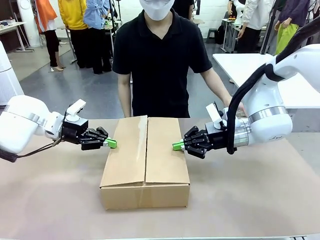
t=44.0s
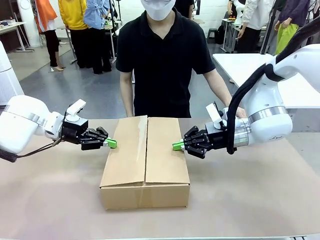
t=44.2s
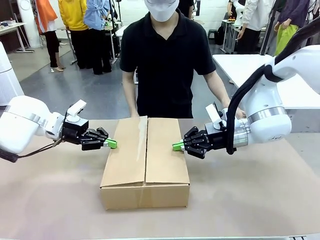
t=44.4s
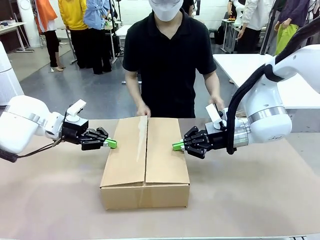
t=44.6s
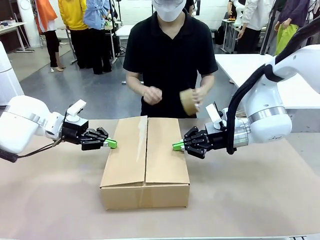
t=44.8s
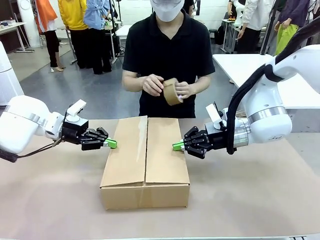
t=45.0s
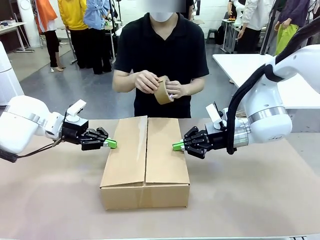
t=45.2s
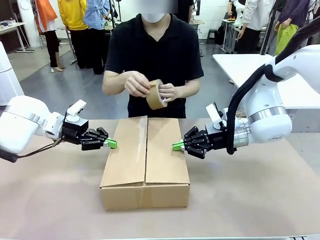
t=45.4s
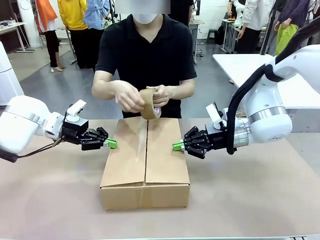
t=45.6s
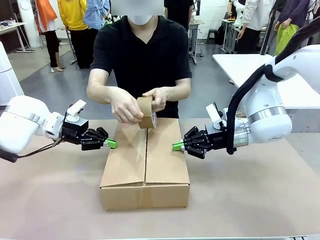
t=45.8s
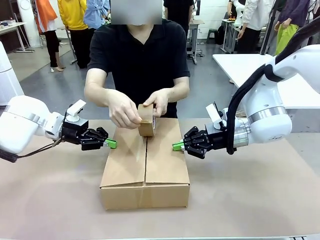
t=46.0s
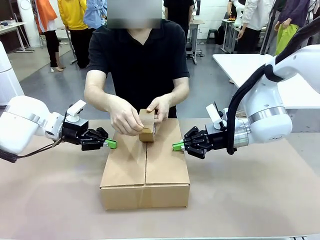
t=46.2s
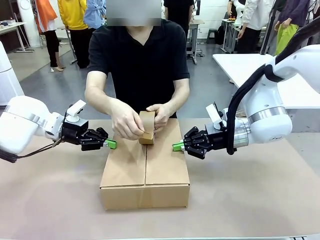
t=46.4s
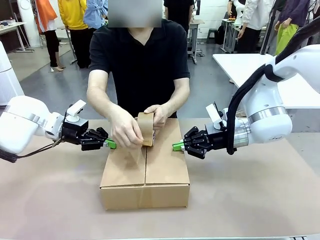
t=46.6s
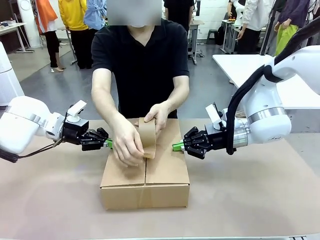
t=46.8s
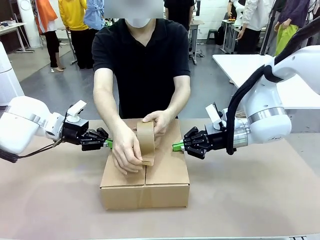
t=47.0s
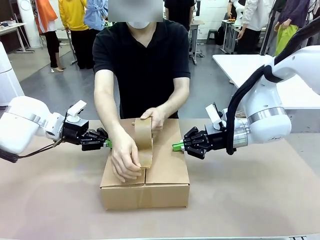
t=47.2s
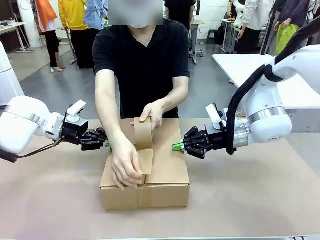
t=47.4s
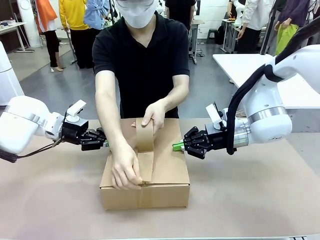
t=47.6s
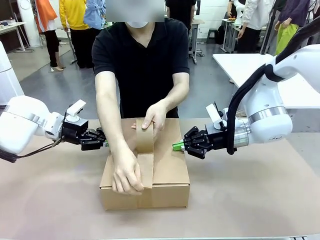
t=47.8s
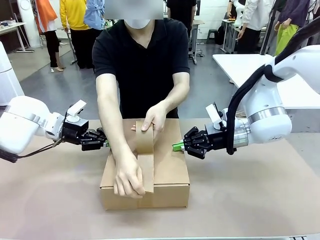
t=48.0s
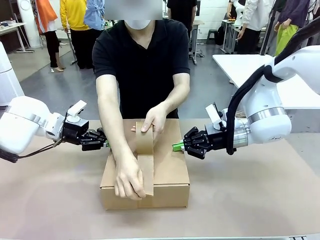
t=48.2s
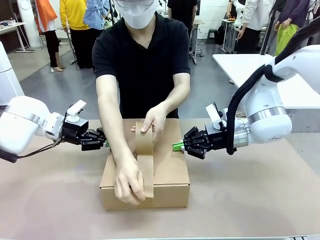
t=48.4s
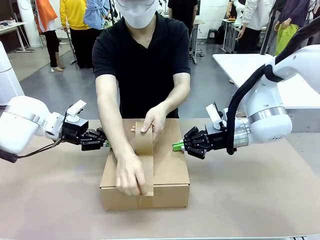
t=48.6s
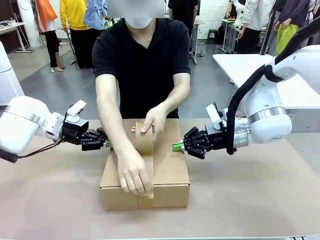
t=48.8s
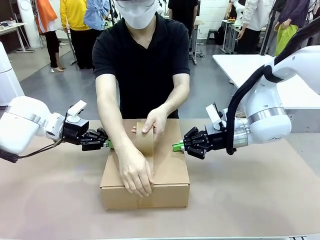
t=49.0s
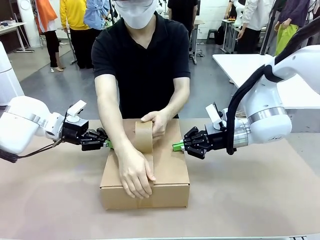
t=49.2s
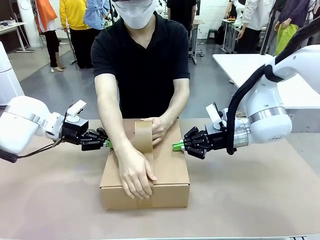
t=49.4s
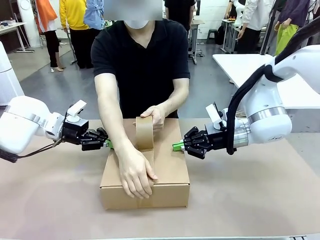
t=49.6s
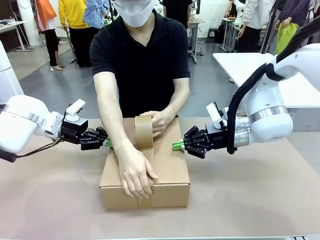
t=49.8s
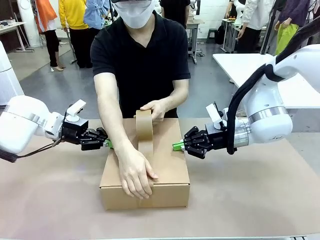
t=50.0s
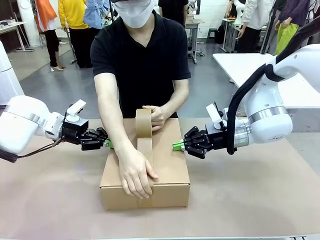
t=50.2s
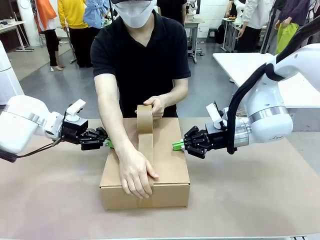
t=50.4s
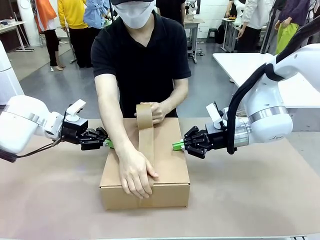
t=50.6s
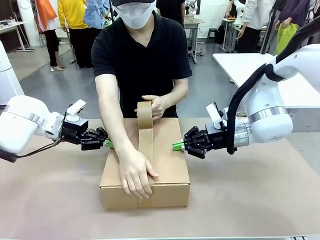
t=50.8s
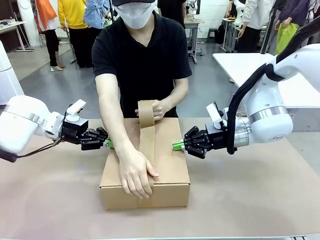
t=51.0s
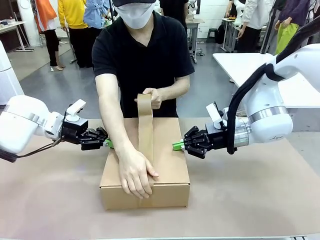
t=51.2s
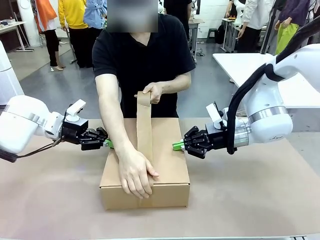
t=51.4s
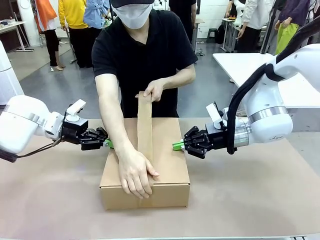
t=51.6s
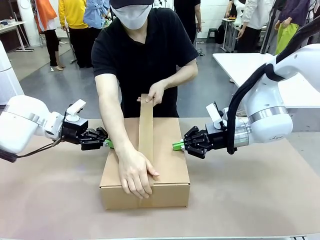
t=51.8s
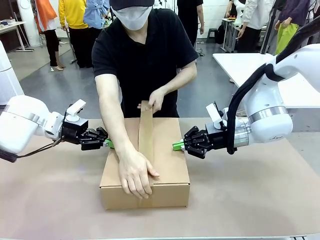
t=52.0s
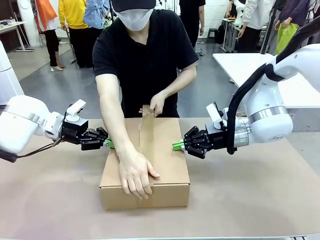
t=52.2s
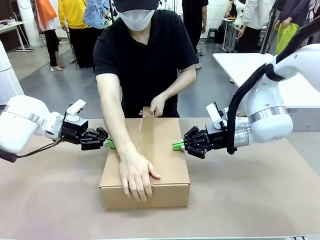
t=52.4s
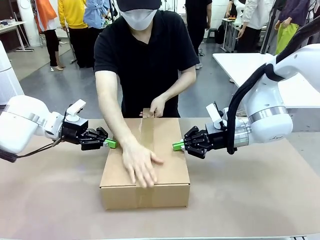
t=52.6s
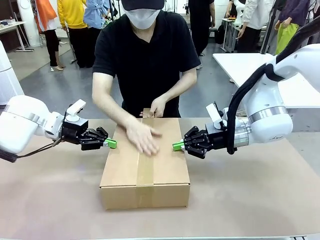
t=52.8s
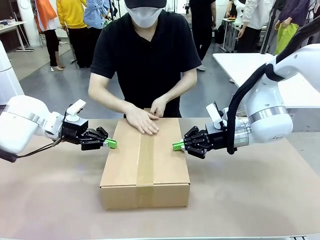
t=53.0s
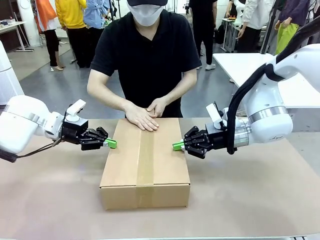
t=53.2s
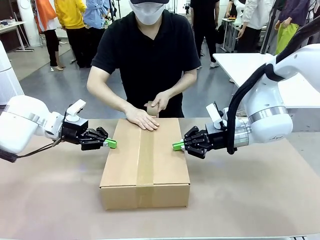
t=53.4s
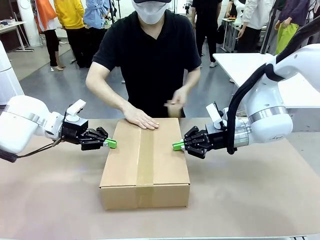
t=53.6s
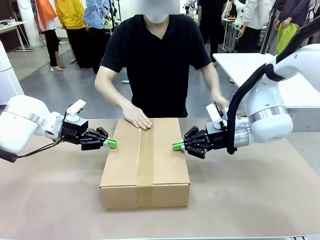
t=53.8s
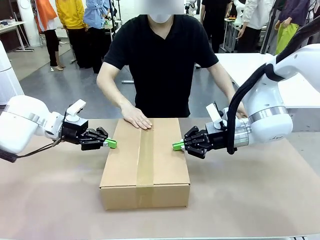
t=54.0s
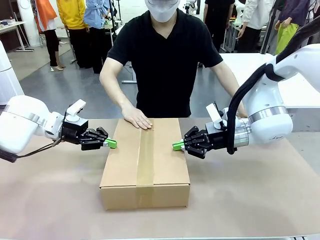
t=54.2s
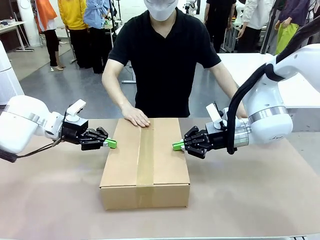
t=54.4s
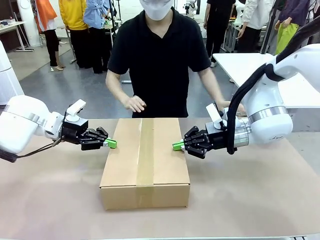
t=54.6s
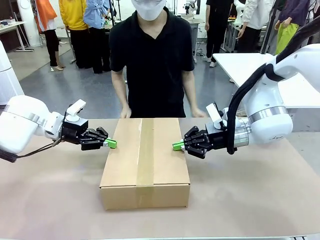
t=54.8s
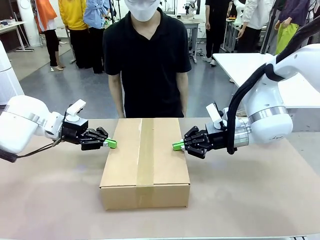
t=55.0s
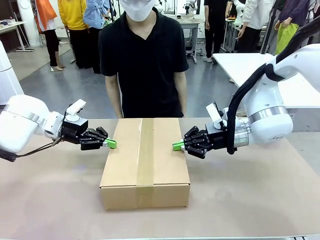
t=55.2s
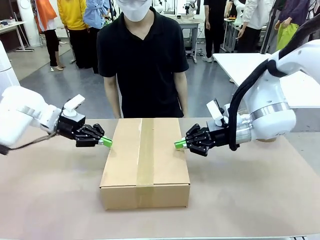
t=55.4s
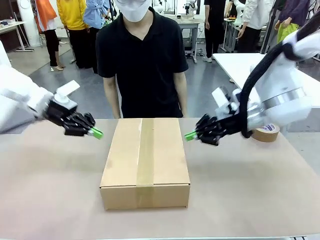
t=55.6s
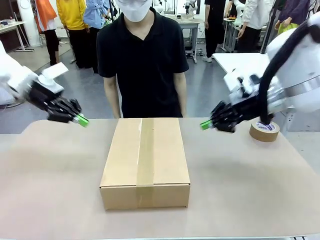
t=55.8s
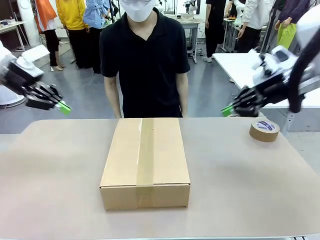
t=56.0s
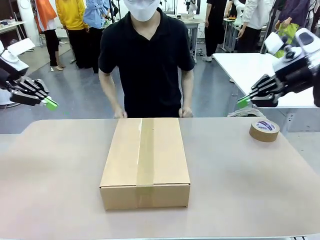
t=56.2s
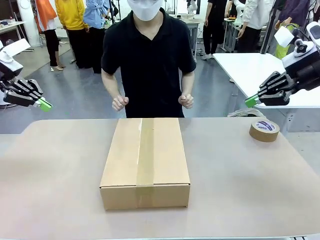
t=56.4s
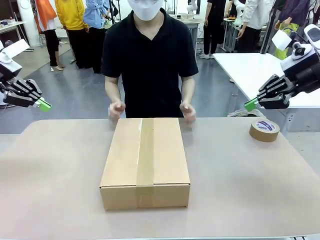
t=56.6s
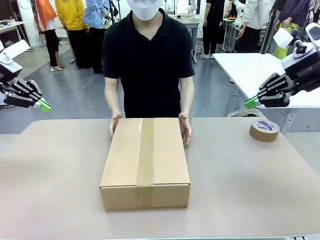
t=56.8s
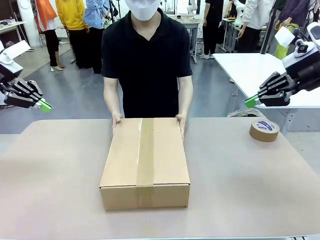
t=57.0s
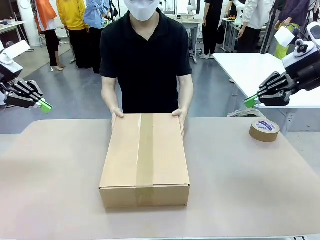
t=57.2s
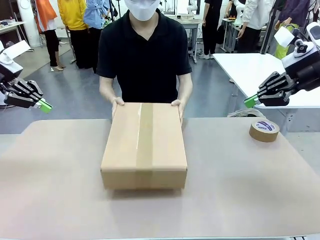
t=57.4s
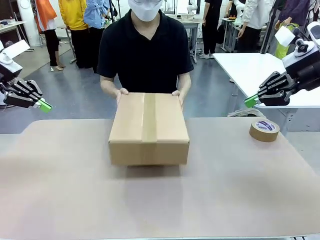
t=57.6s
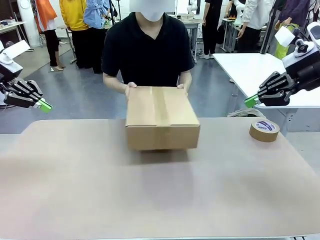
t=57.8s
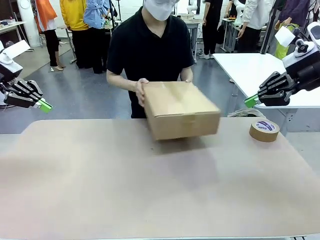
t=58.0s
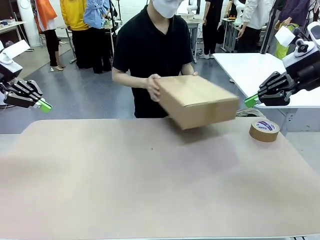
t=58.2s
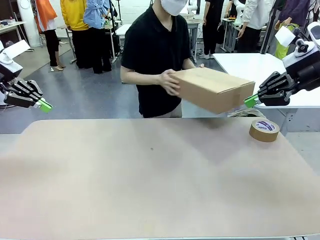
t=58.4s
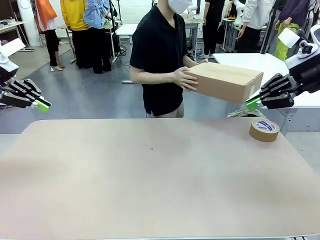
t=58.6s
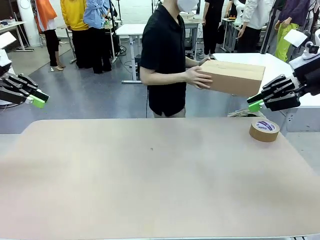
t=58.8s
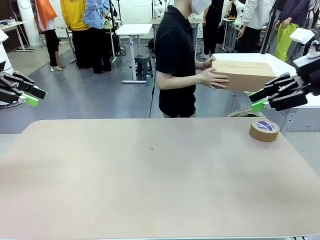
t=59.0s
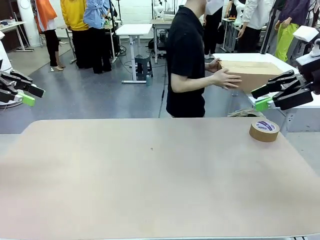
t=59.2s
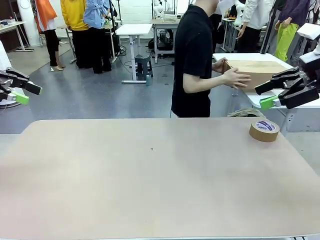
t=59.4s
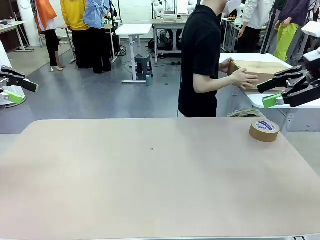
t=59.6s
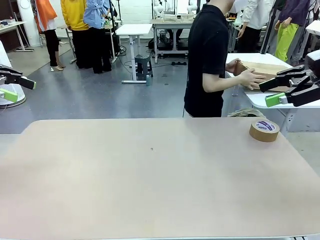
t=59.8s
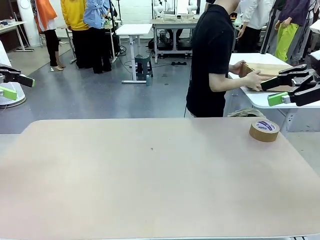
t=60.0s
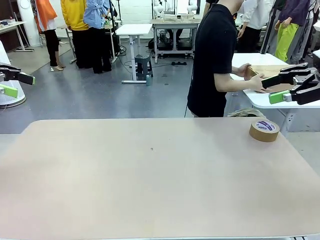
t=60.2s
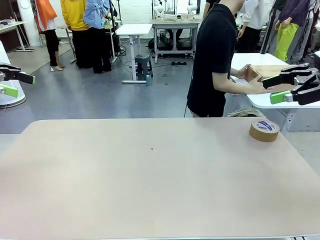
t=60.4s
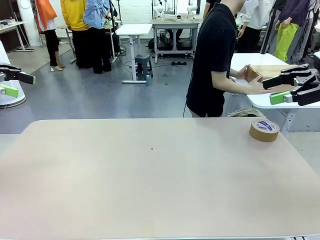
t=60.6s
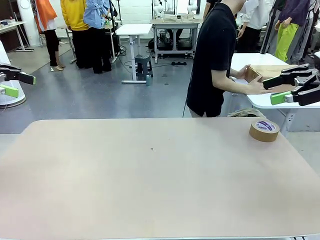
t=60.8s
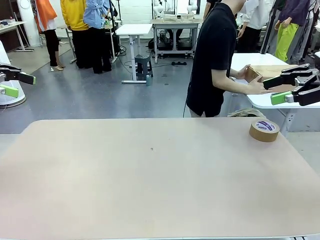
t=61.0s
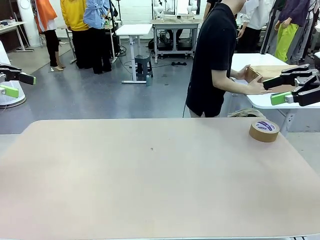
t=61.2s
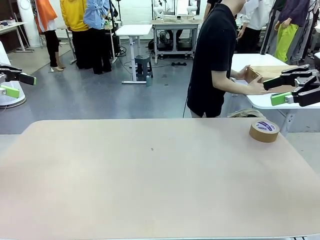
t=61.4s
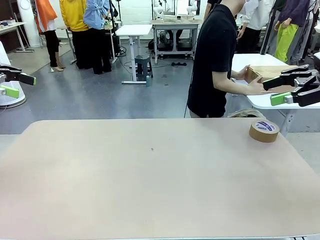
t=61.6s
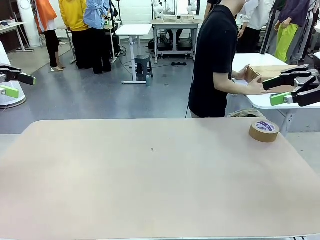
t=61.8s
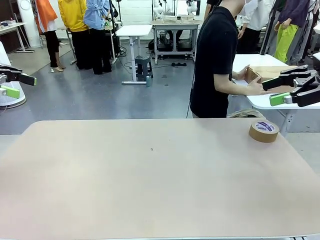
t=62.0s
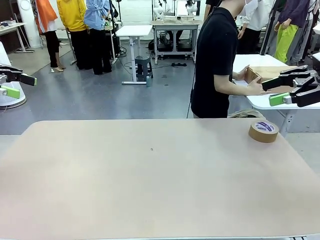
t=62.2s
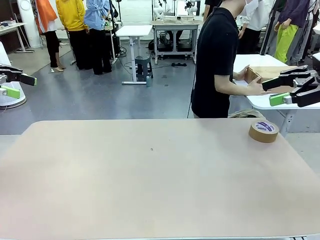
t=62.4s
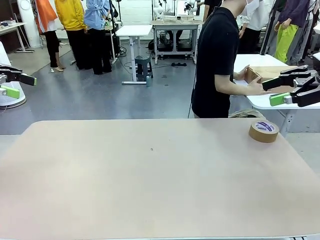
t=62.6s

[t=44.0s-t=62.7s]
Task: Wrap the clocks to prevent damage.
Robot: After the human seals the box with tape, release both hands from the side flaps of the Package Box.
Person: Once the robot closes the left flap of the Package Box , seal the box with Paper Tape. Place sealed Package Box in the middle of the human's table.
